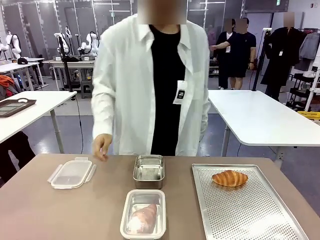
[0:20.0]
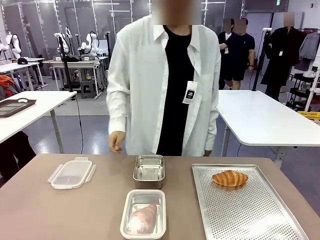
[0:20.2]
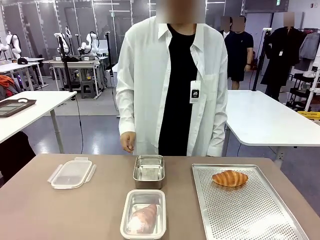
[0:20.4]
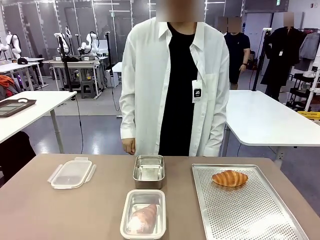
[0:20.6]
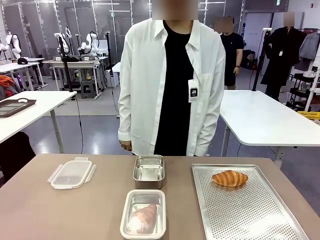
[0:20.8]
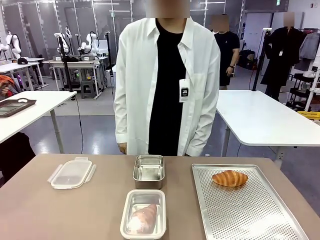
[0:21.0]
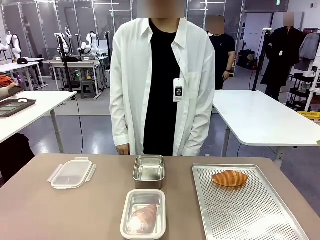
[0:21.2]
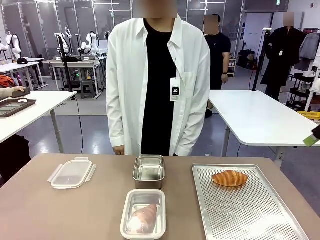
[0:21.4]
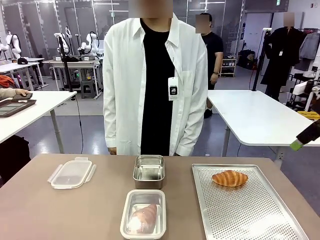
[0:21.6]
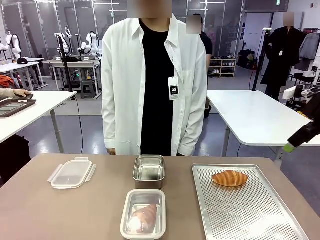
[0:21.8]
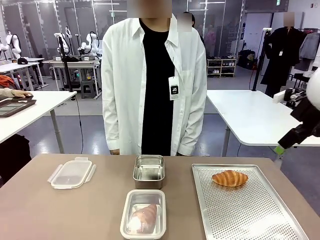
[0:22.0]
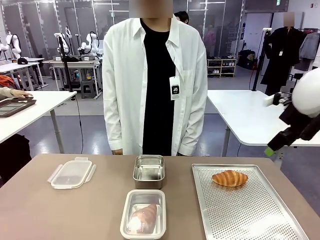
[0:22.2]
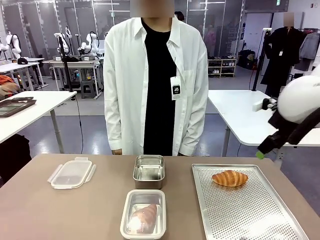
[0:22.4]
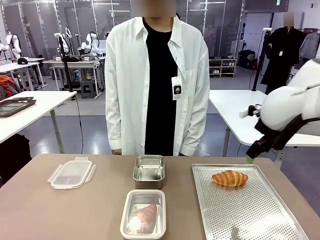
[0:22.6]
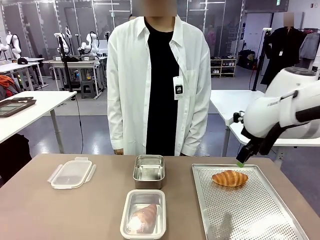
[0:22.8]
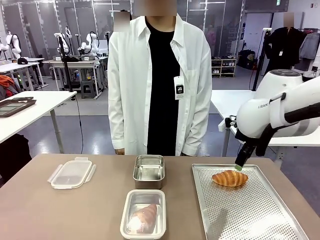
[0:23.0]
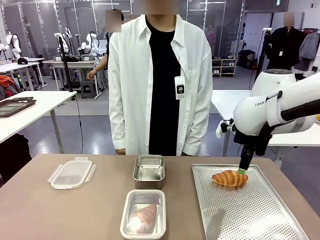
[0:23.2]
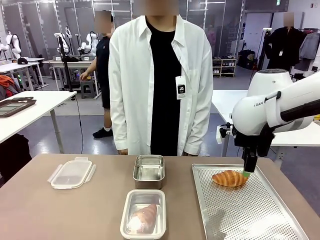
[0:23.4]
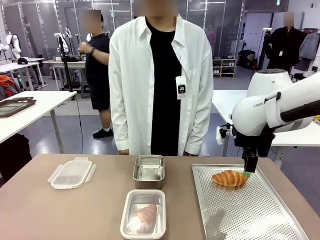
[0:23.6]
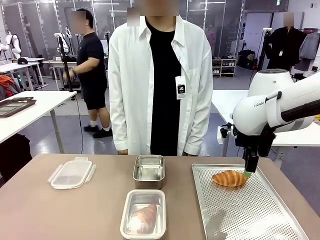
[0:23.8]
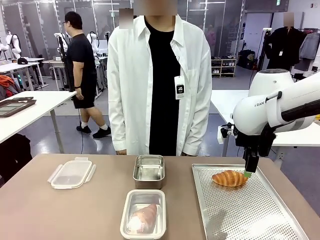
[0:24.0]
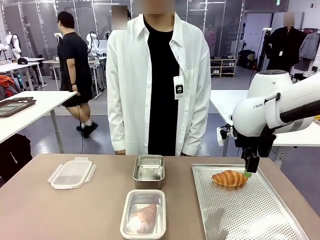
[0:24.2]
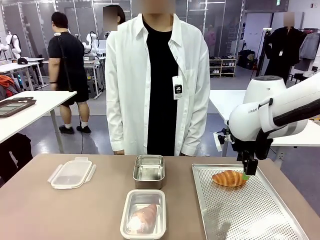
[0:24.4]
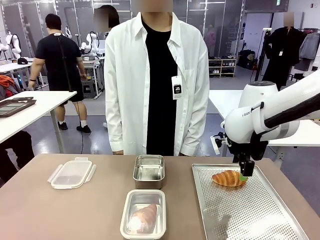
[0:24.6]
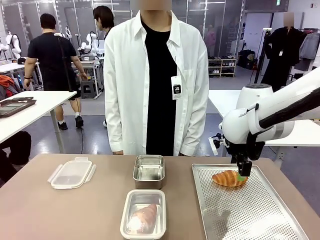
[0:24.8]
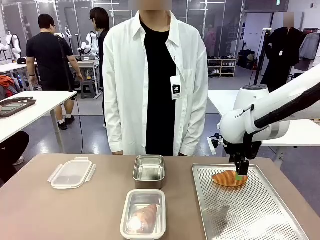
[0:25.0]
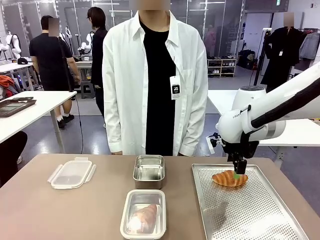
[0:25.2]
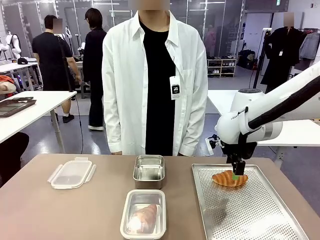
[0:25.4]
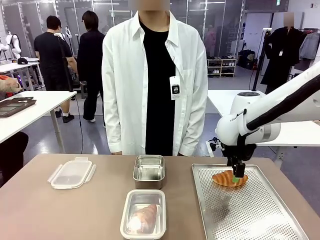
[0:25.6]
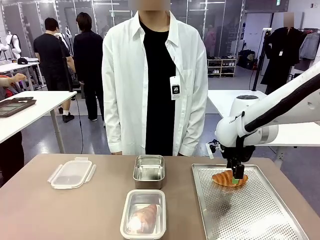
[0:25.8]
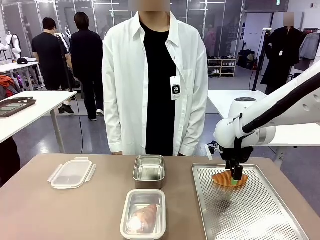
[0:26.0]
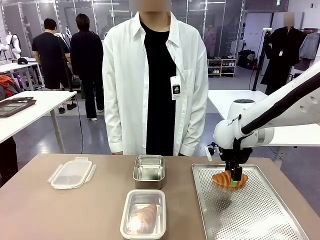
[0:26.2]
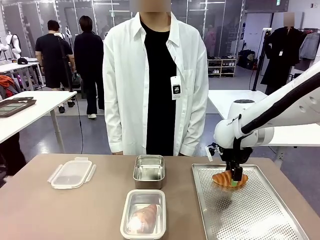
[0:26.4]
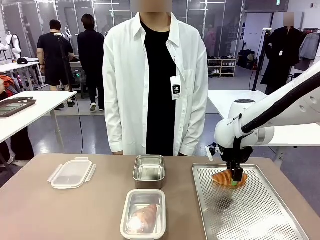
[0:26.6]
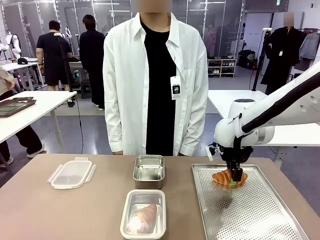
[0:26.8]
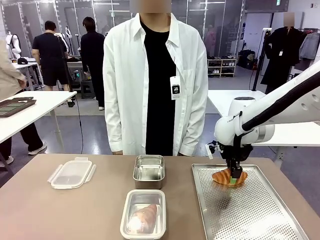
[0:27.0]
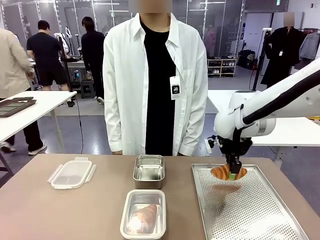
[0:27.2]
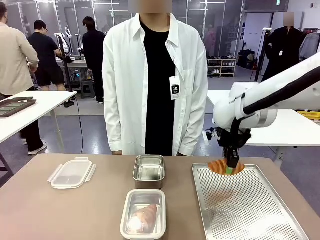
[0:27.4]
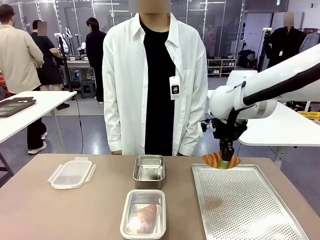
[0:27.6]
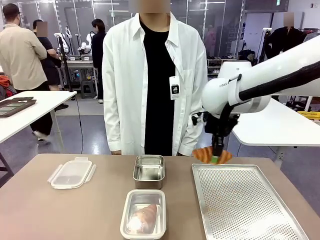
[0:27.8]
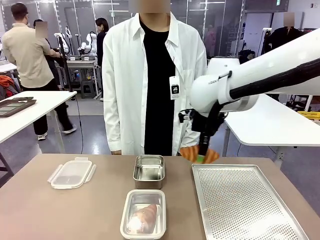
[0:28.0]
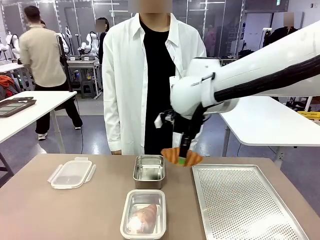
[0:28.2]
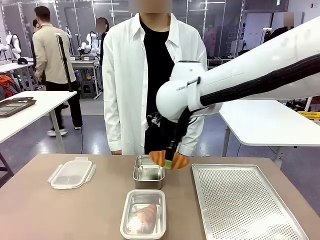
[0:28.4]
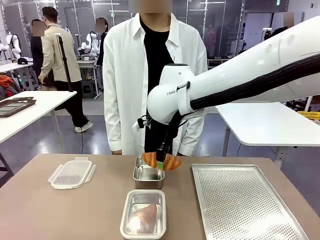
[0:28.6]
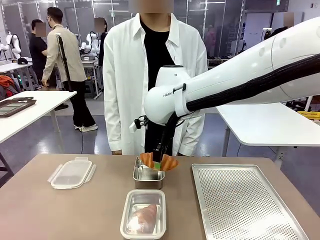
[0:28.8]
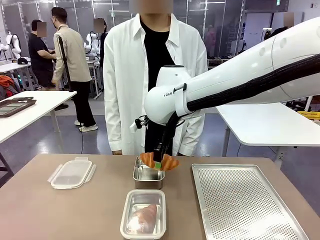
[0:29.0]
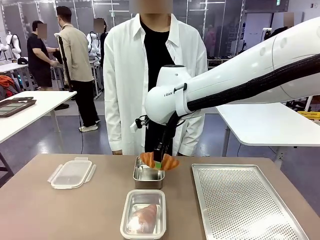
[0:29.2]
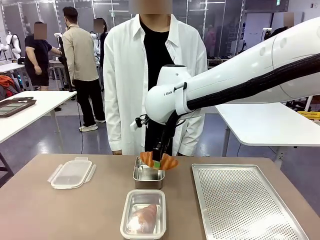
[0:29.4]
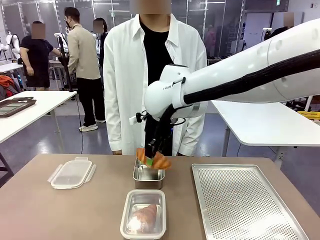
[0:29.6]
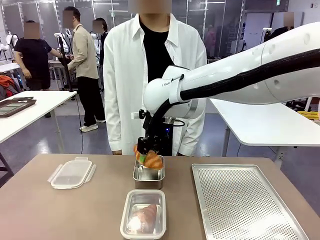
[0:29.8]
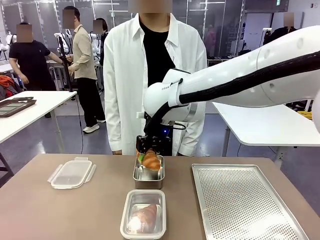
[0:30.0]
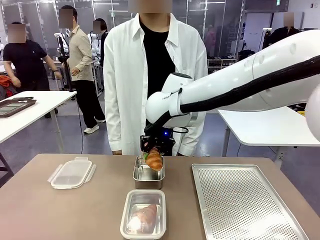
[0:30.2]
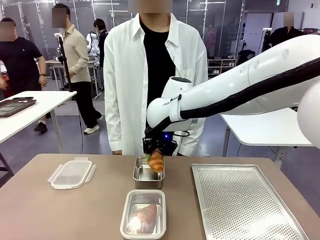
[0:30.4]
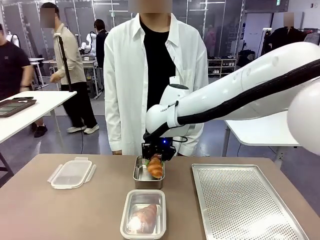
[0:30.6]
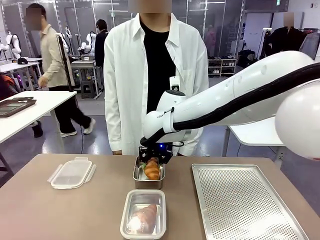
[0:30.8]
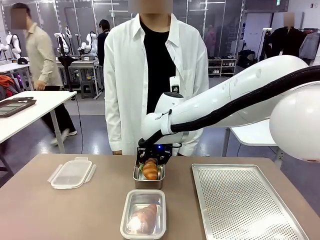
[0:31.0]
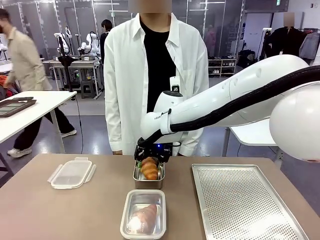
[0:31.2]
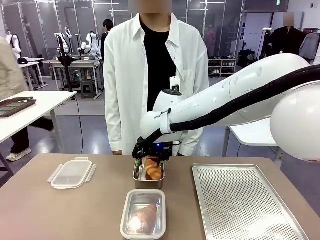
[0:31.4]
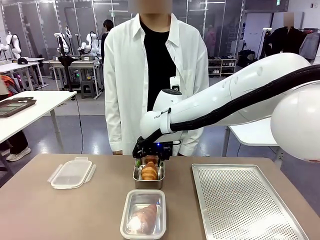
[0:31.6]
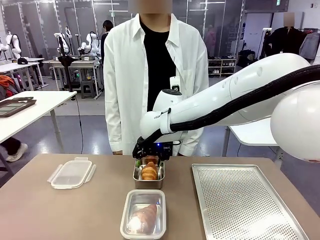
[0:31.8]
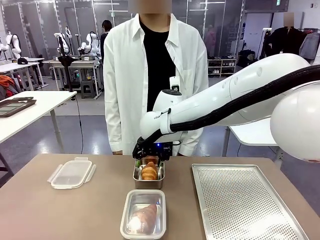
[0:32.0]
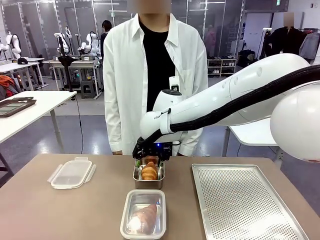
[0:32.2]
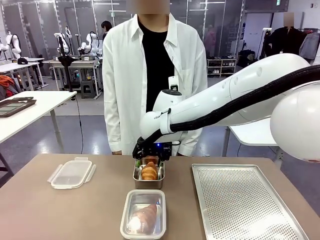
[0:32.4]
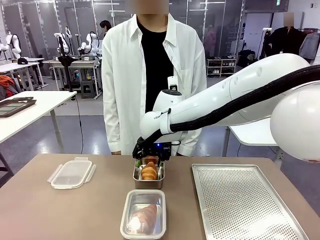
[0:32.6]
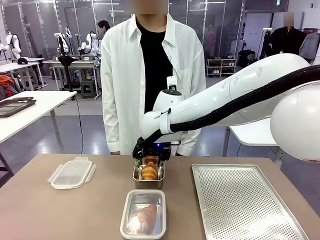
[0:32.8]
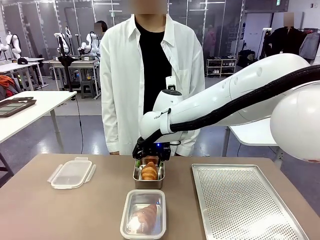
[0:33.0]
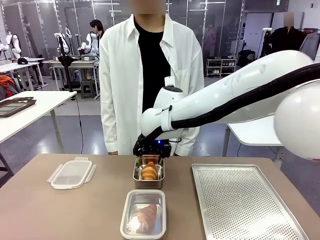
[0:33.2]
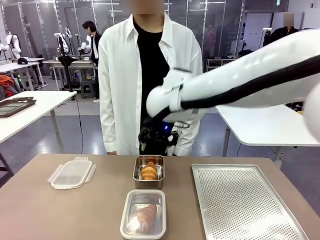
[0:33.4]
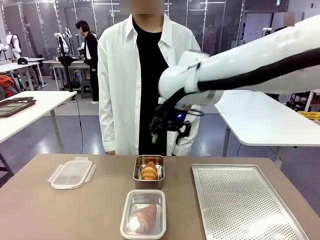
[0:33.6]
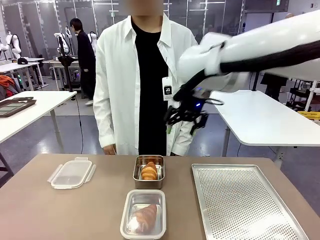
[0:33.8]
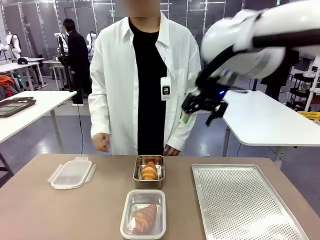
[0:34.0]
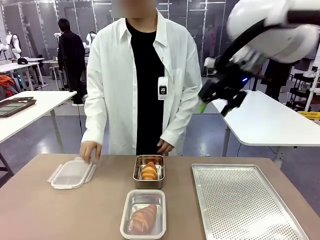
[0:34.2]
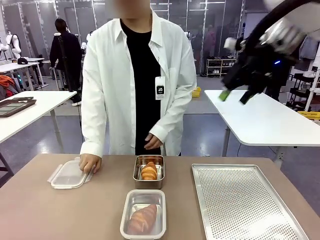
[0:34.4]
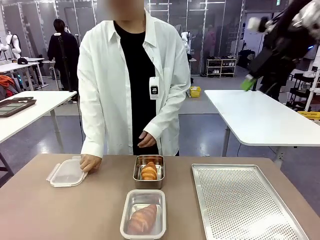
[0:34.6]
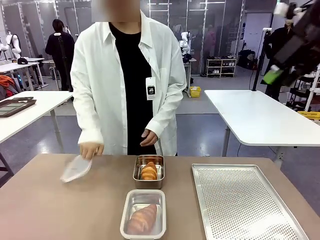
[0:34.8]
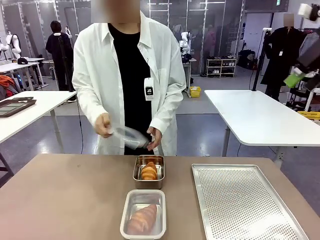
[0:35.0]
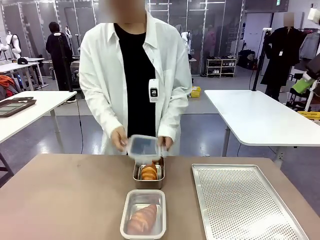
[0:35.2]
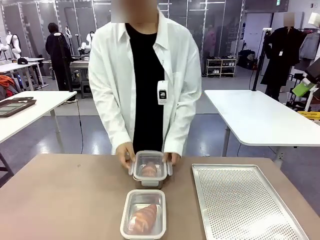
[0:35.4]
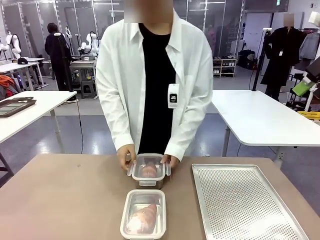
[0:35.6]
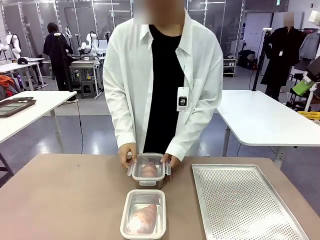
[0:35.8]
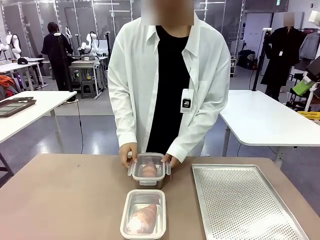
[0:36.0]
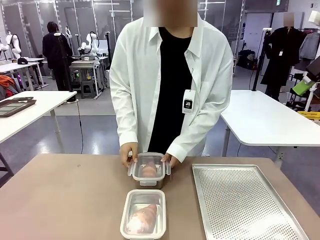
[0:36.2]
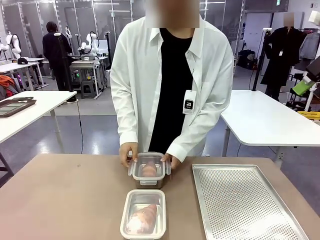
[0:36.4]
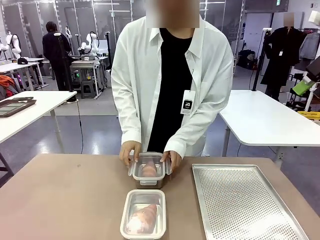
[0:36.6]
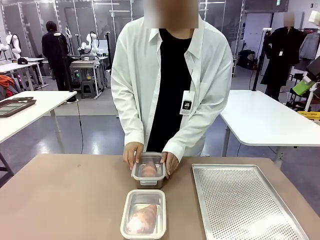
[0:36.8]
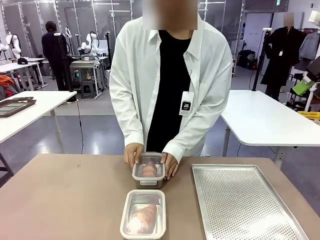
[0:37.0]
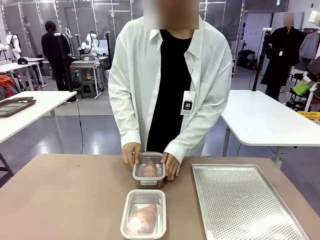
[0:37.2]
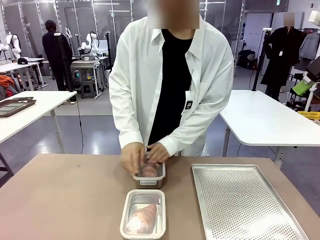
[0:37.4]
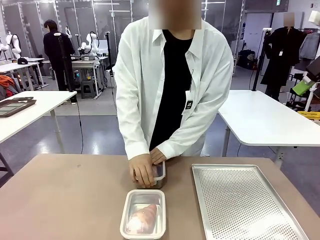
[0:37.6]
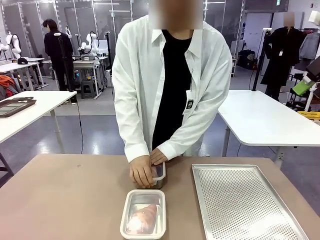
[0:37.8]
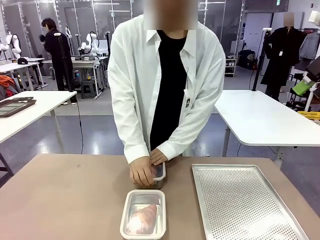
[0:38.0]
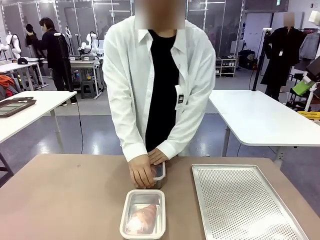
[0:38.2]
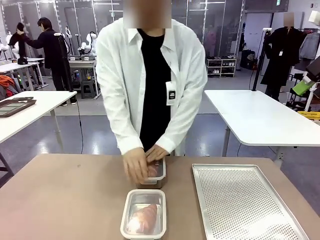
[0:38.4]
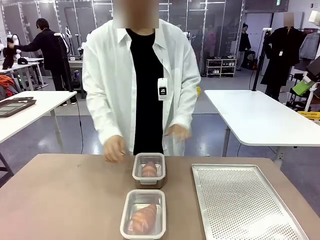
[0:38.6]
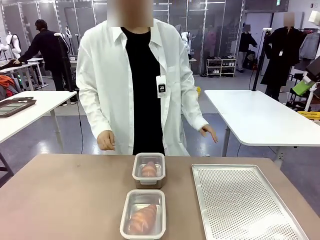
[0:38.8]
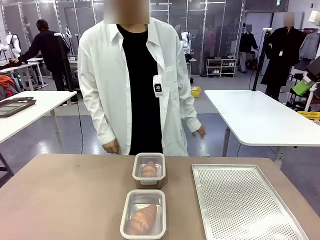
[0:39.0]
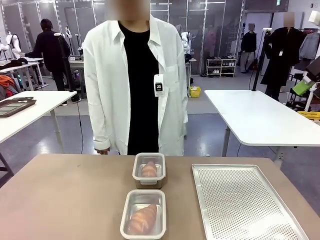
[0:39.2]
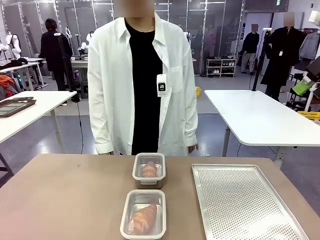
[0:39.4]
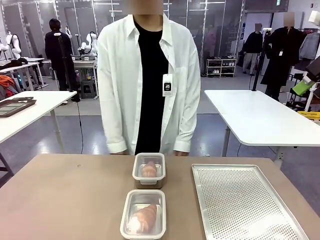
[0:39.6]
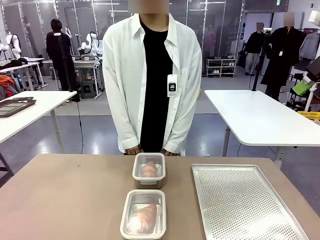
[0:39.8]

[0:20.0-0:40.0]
Task: Place the bread into the airtight container.
Robot: Pick up a Butter Roll and place it into an empty Airtight Container.
